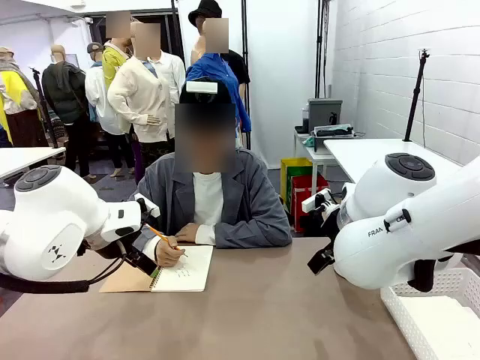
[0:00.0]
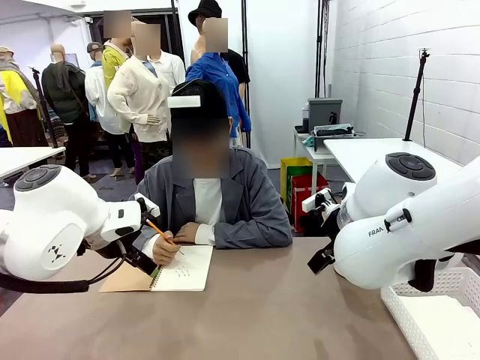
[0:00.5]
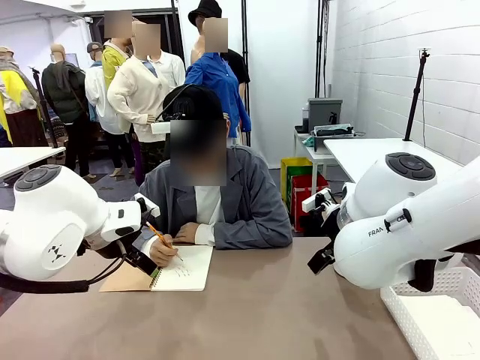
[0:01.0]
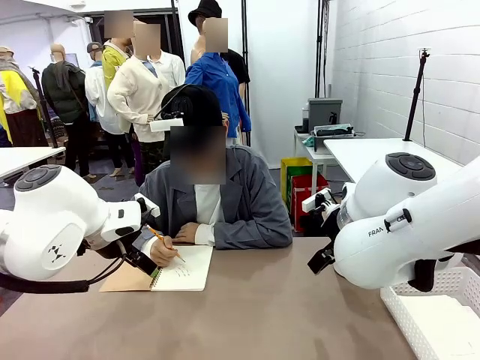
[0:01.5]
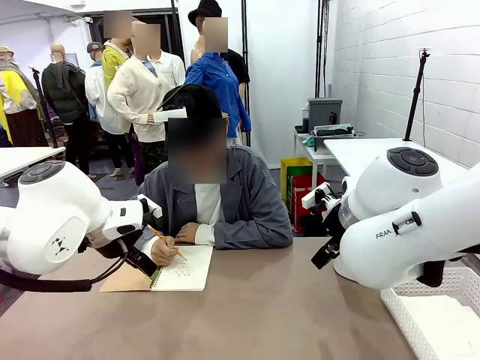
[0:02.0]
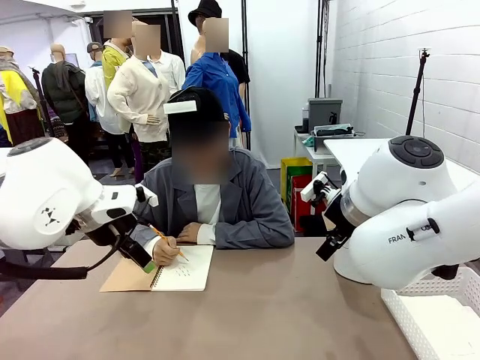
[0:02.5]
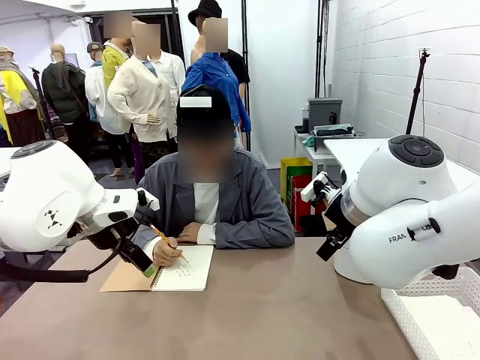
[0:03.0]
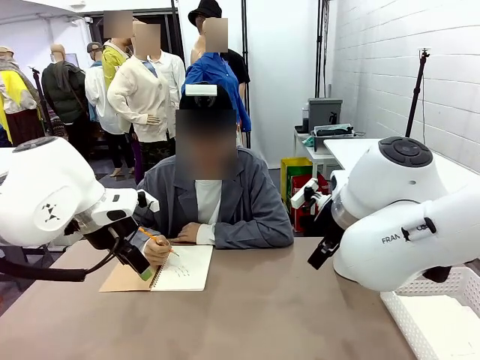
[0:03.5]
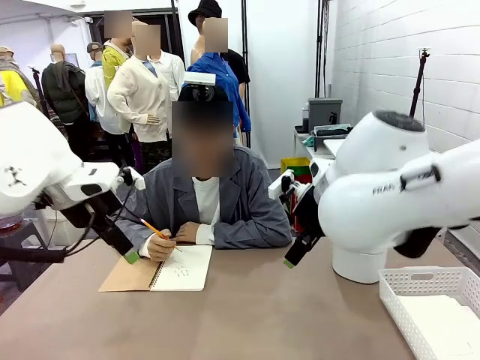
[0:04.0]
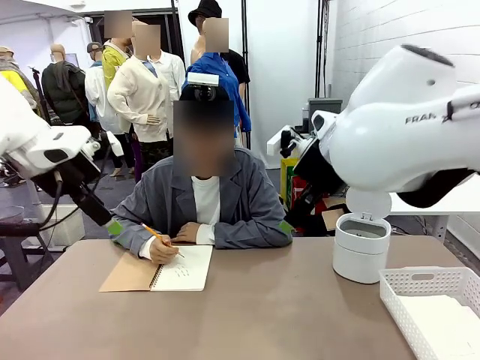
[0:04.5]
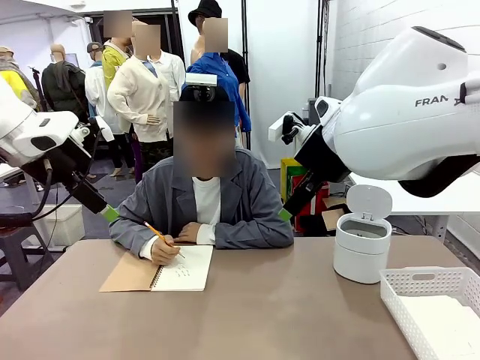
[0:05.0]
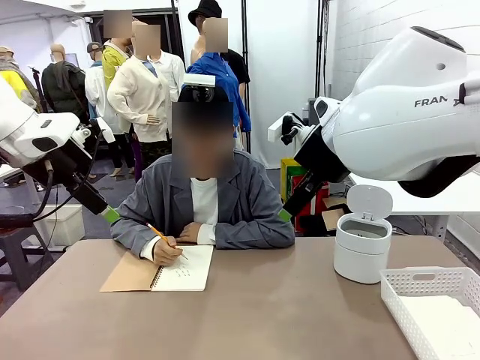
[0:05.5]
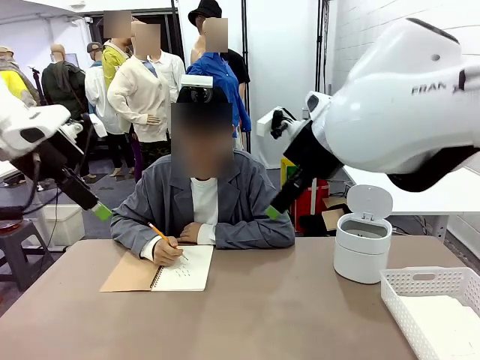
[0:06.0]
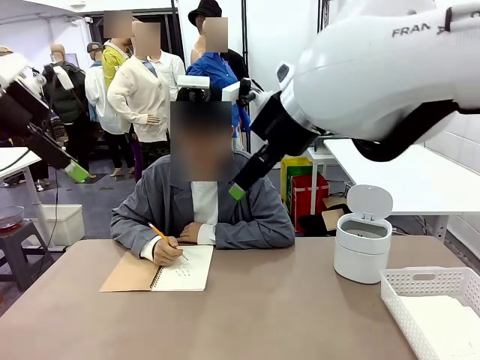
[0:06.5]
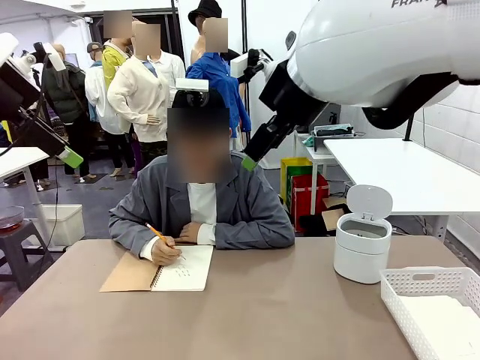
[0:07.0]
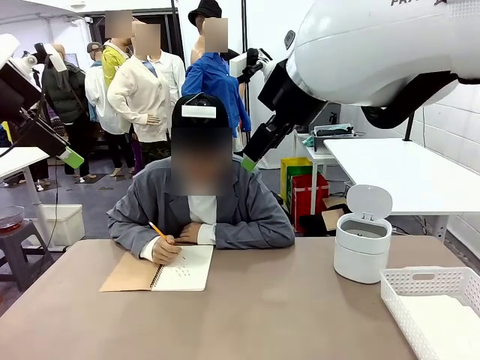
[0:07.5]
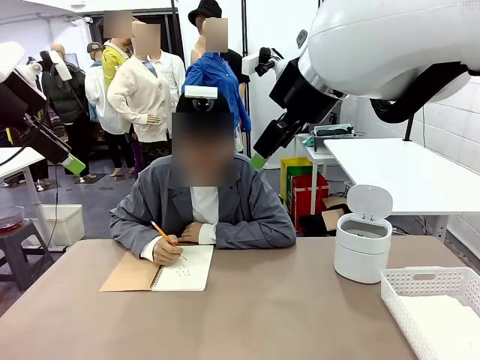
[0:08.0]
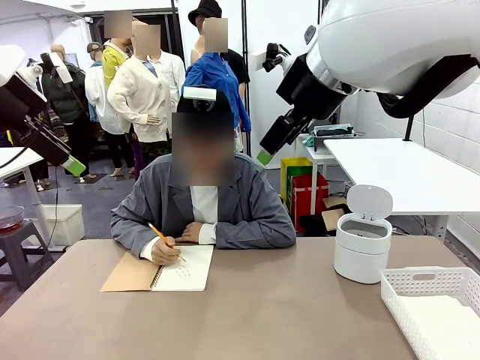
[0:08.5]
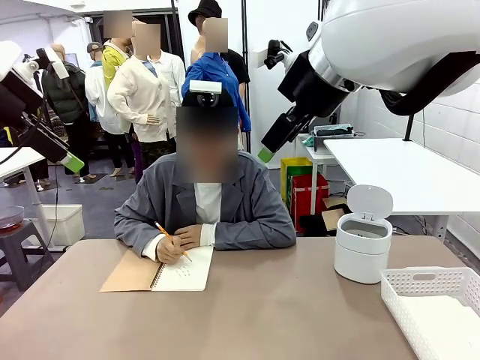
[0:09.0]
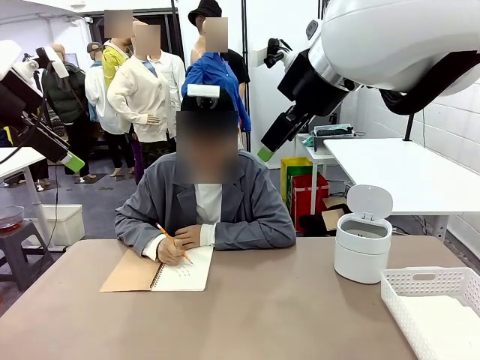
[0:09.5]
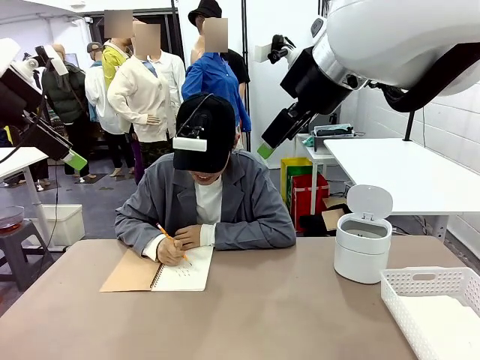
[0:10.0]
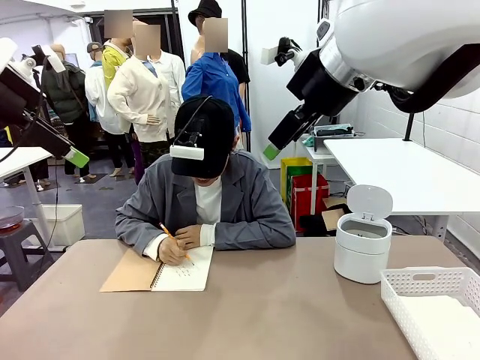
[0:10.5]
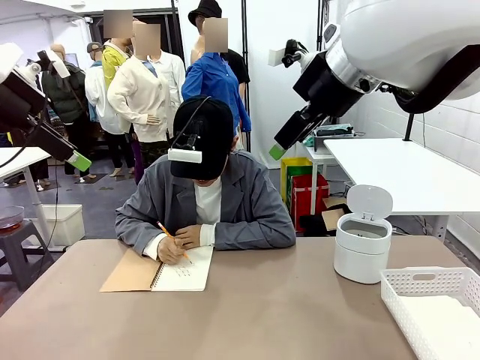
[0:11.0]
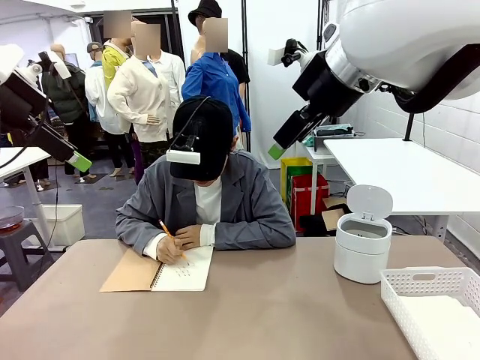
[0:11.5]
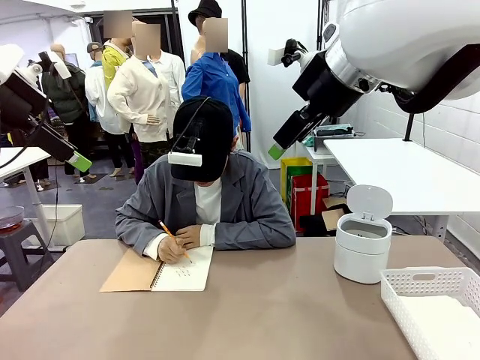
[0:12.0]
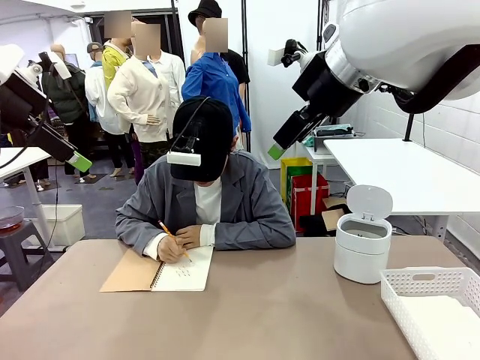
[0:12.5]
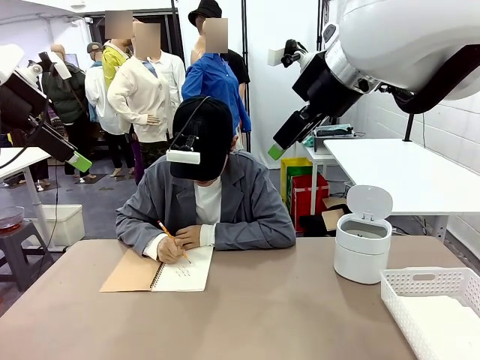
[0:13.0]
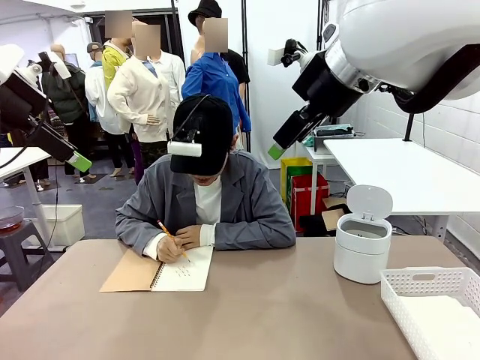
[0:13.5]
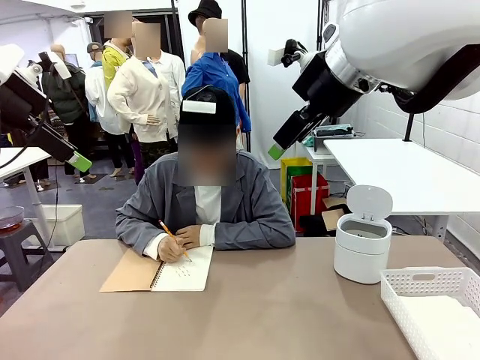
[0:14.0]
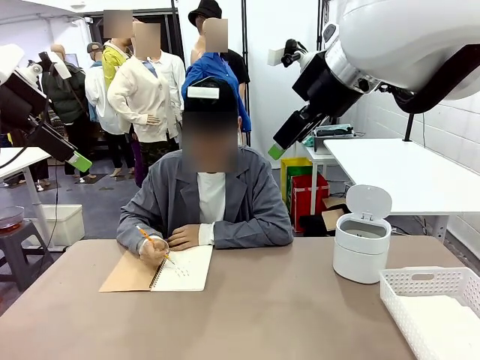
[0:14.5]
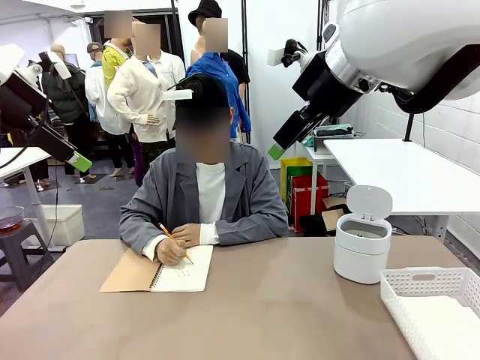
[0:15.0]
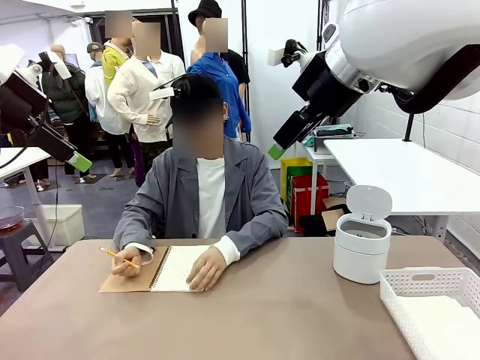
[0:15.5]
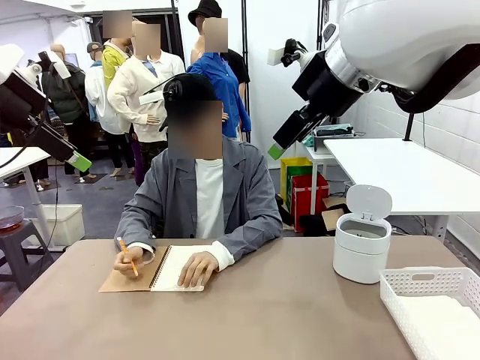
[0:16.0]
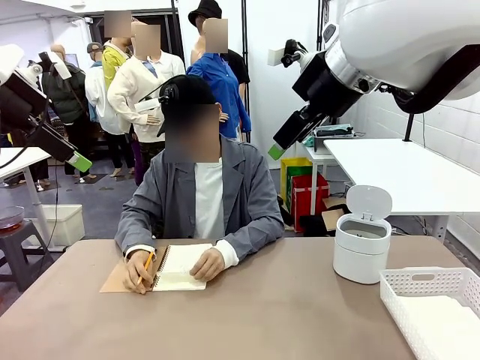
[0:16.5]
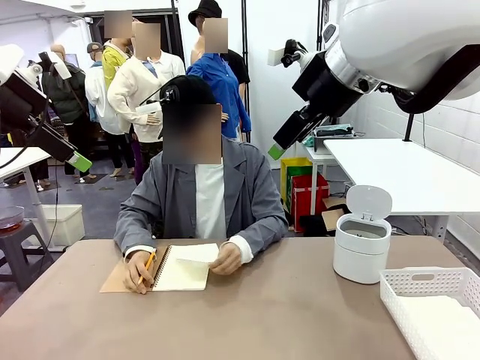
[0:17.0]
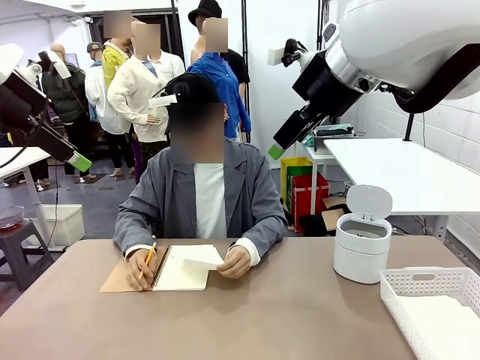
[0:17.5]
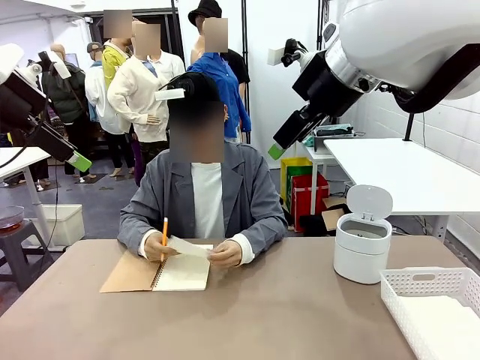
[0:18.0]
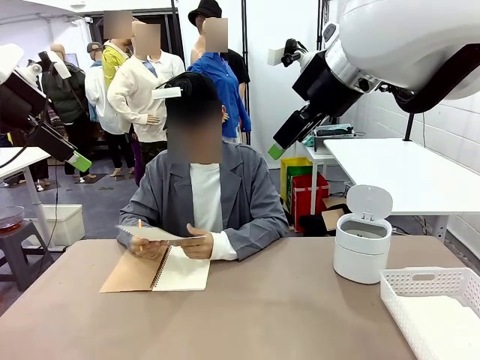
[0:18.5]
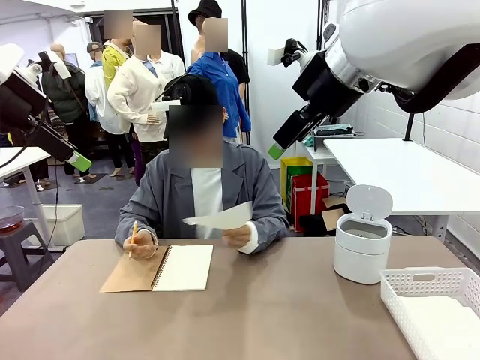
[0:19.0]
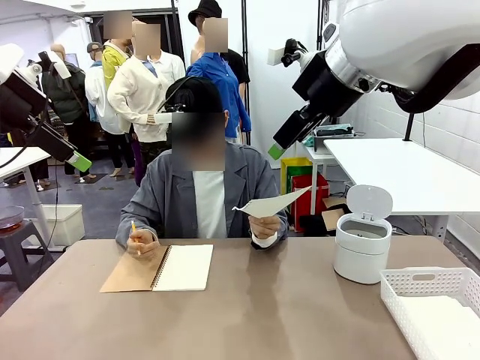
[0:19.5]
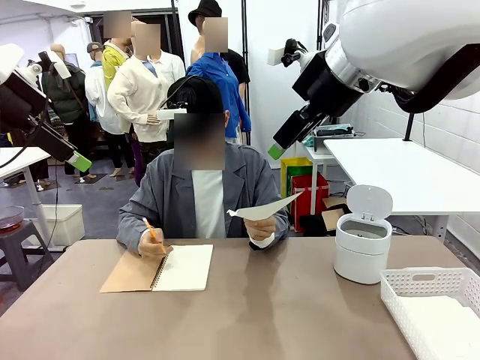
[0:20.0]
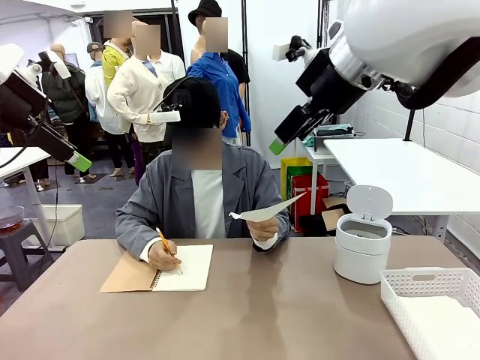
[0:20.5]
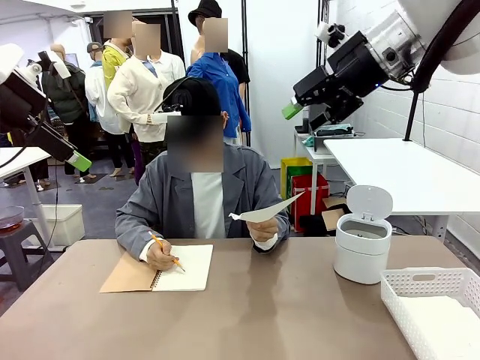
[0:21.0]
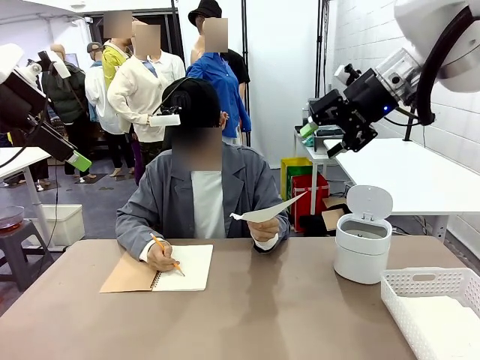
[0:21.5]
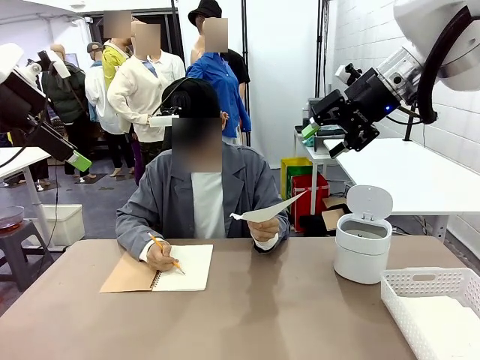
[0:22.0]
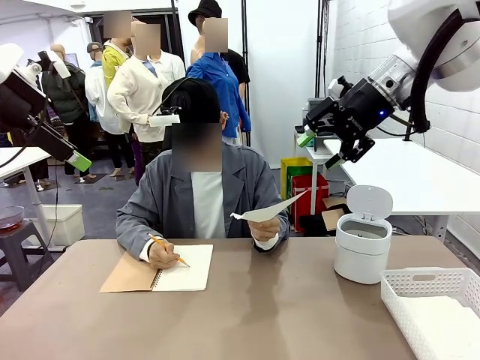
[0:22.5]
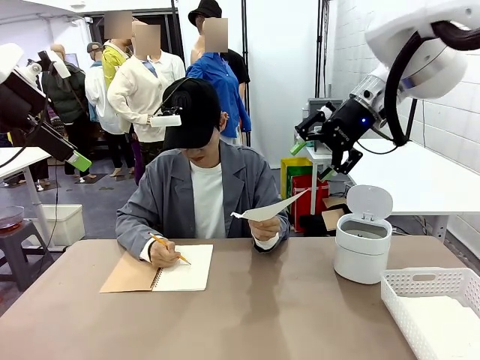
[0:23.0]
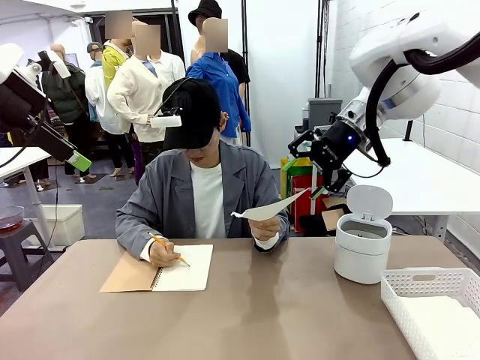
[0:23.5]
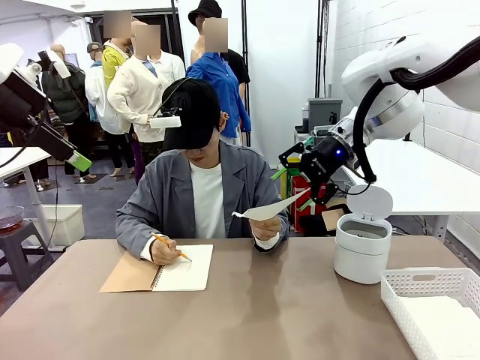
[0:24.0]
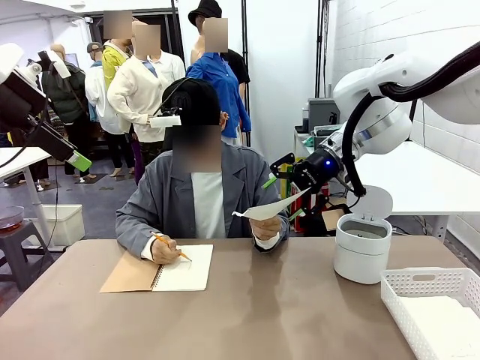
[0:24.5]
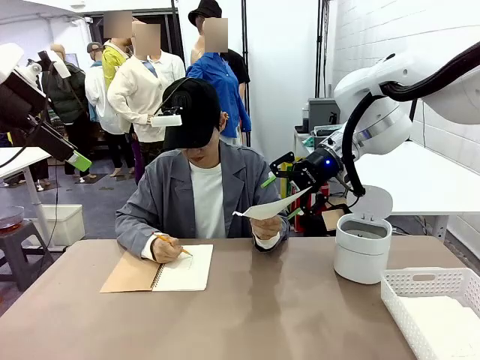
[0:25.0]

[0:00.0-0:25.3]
Task: Sort the paper based on its condition.
Robot: If a person hands you a paper, place it in the Organizing basket , and if it's crumpled, put it in the Trash can.
Person: Tear out a page from the spiral notebook. Hand the torn page to the robot or crumple it and throw it to the center of the table.
